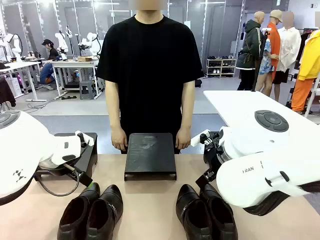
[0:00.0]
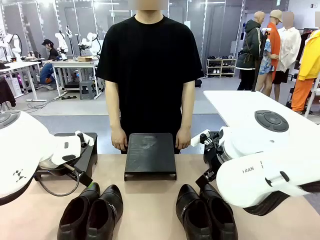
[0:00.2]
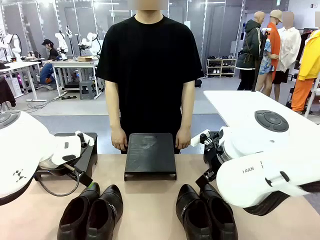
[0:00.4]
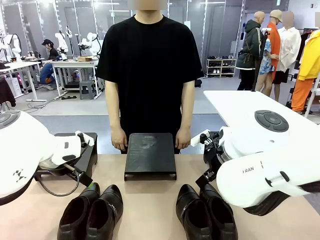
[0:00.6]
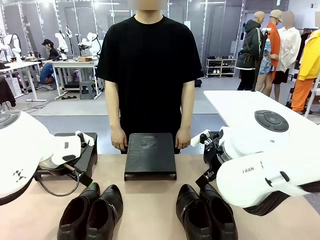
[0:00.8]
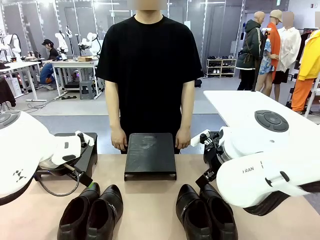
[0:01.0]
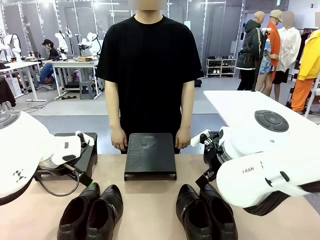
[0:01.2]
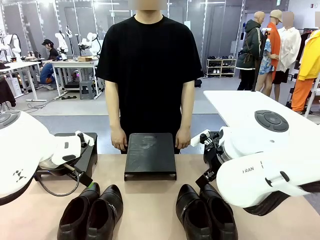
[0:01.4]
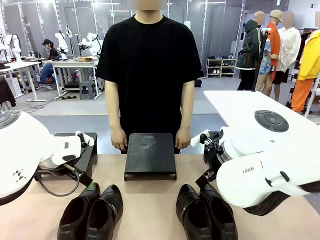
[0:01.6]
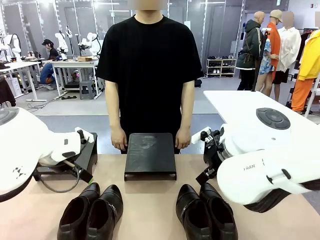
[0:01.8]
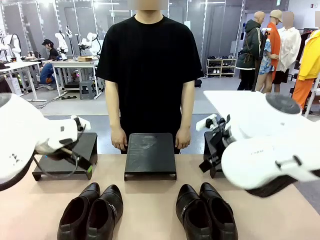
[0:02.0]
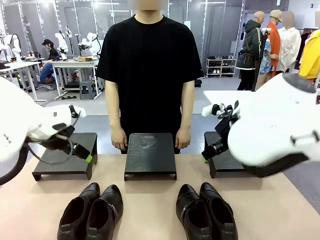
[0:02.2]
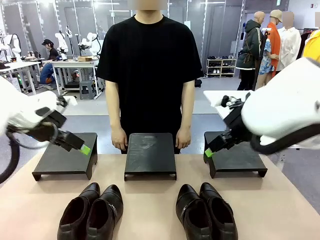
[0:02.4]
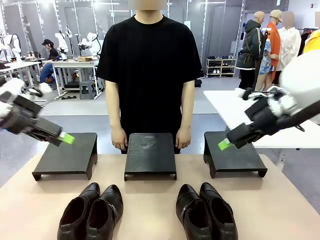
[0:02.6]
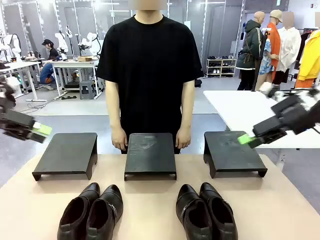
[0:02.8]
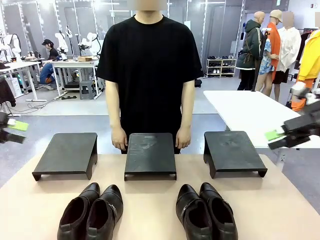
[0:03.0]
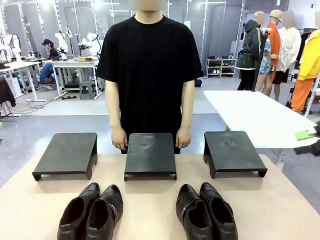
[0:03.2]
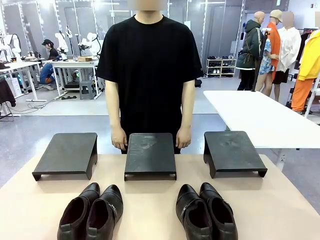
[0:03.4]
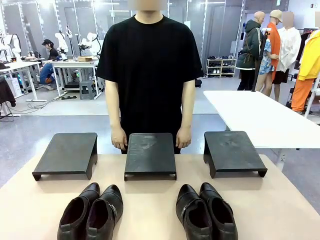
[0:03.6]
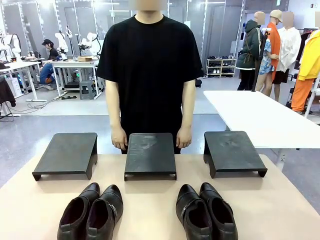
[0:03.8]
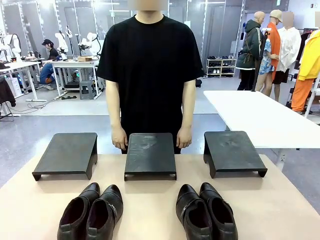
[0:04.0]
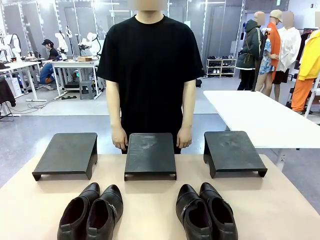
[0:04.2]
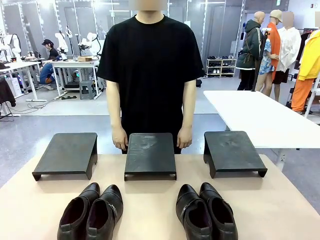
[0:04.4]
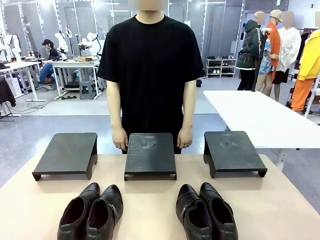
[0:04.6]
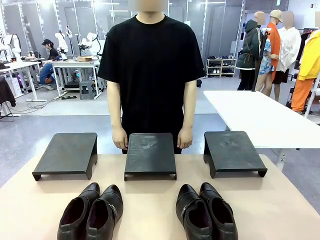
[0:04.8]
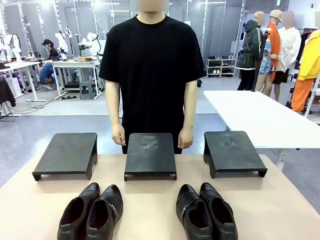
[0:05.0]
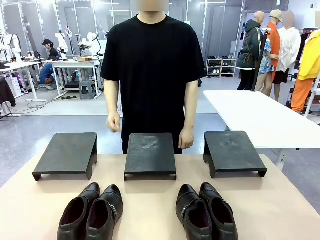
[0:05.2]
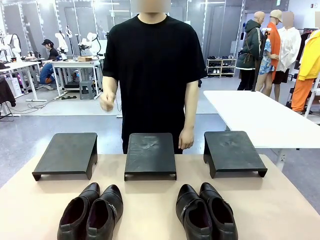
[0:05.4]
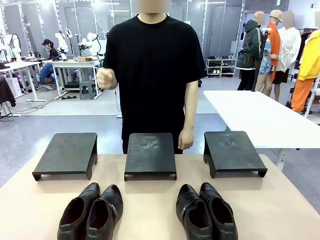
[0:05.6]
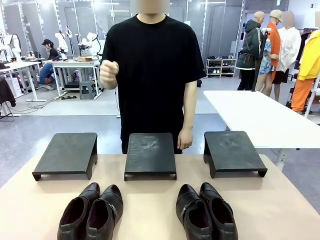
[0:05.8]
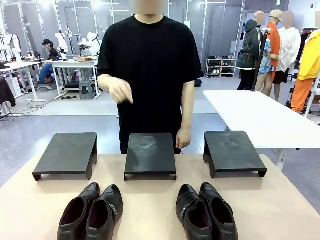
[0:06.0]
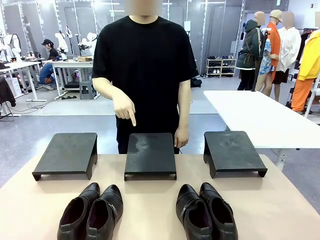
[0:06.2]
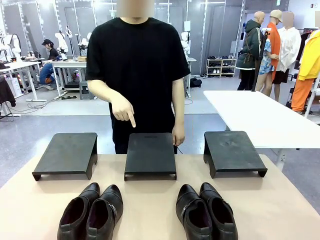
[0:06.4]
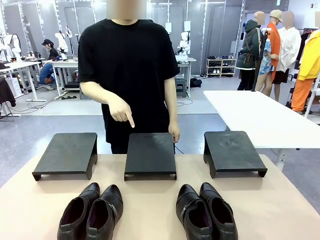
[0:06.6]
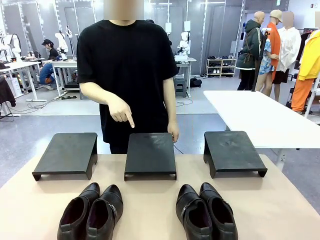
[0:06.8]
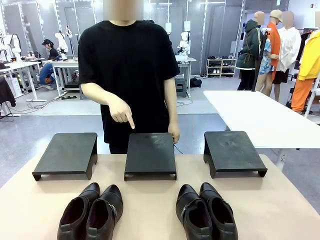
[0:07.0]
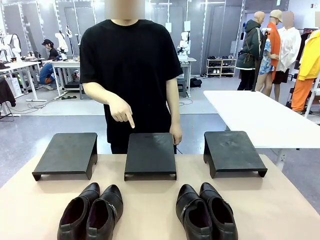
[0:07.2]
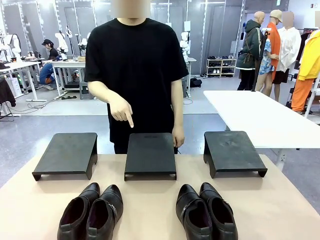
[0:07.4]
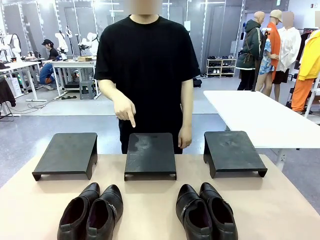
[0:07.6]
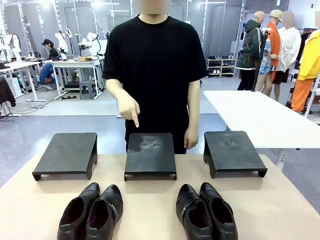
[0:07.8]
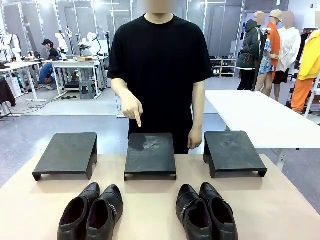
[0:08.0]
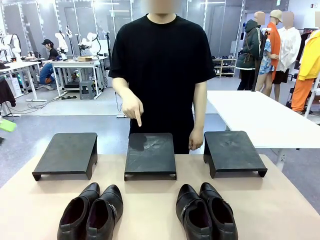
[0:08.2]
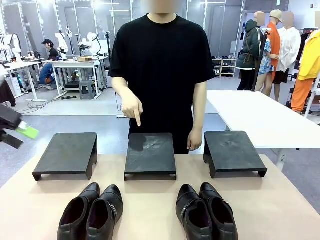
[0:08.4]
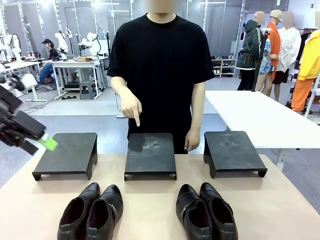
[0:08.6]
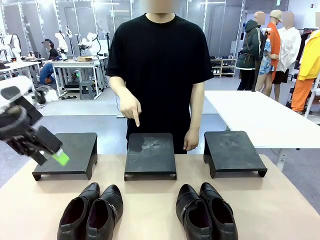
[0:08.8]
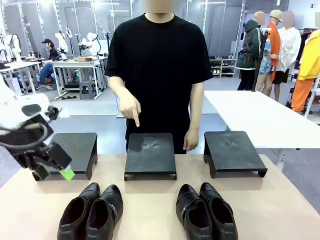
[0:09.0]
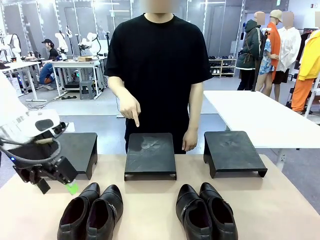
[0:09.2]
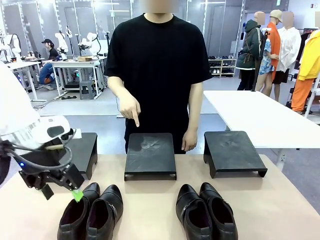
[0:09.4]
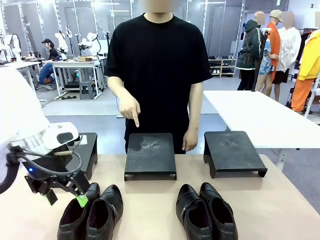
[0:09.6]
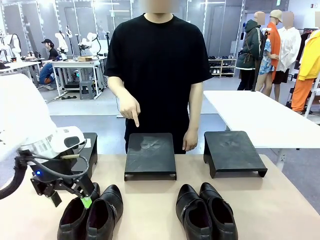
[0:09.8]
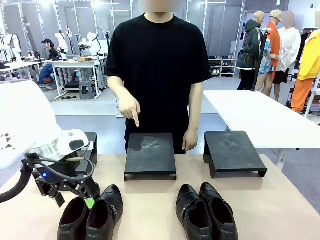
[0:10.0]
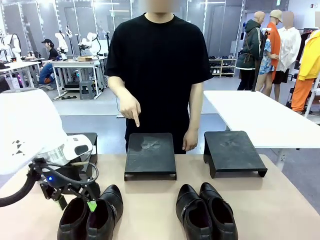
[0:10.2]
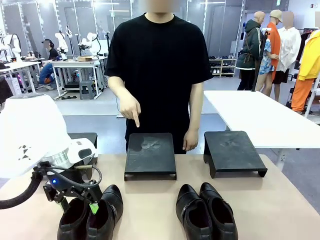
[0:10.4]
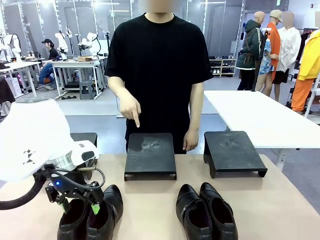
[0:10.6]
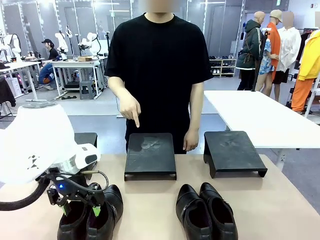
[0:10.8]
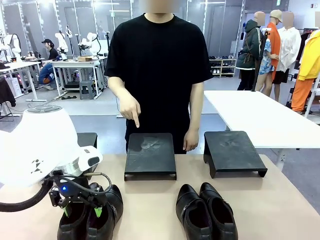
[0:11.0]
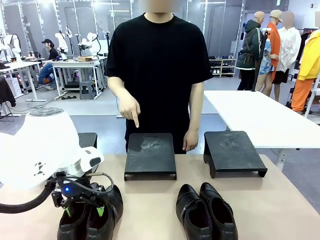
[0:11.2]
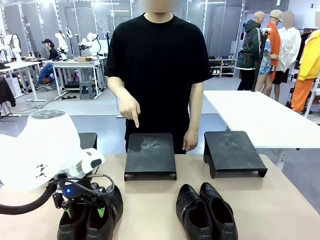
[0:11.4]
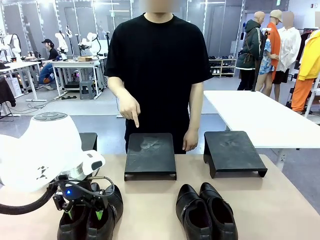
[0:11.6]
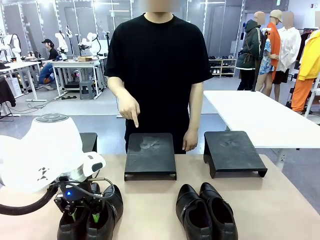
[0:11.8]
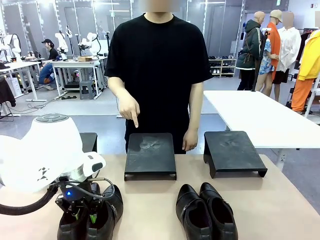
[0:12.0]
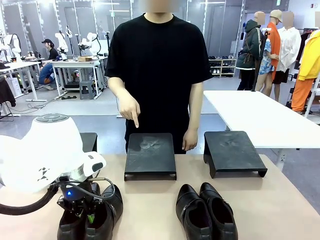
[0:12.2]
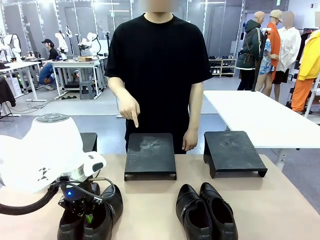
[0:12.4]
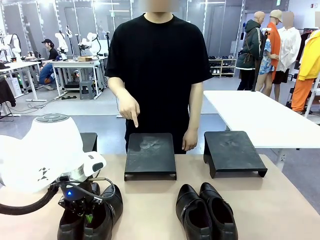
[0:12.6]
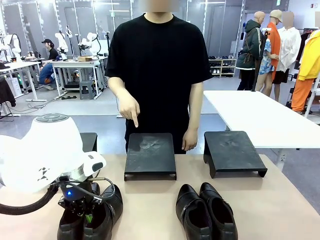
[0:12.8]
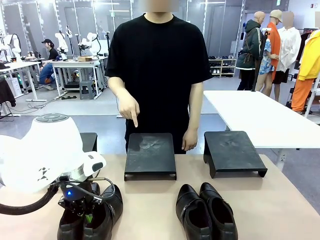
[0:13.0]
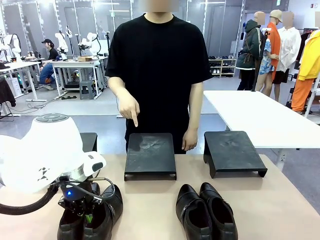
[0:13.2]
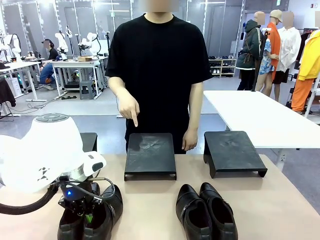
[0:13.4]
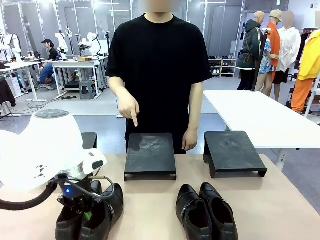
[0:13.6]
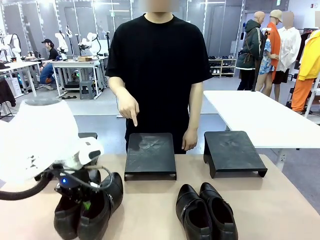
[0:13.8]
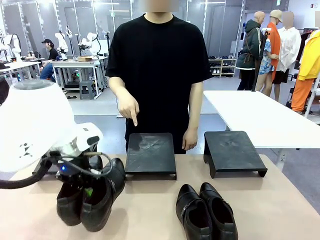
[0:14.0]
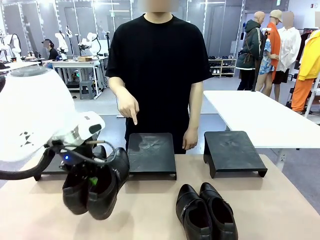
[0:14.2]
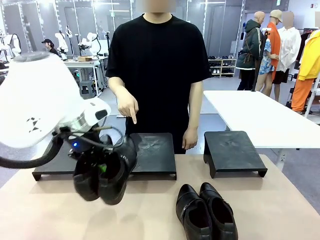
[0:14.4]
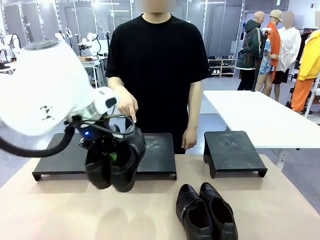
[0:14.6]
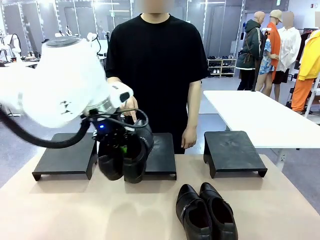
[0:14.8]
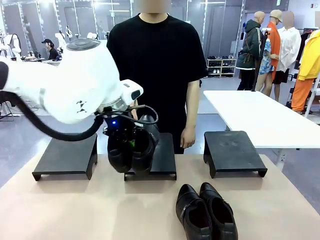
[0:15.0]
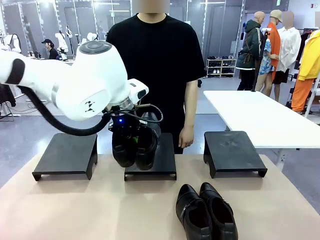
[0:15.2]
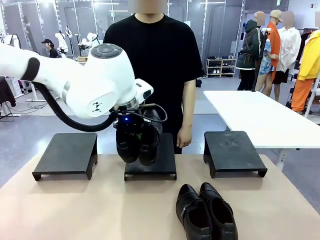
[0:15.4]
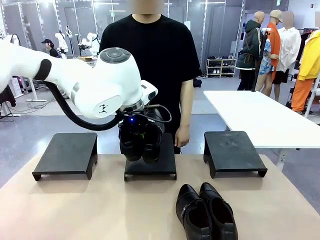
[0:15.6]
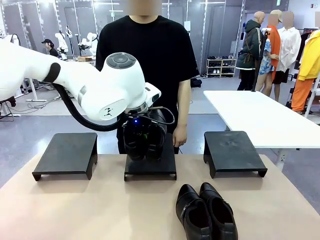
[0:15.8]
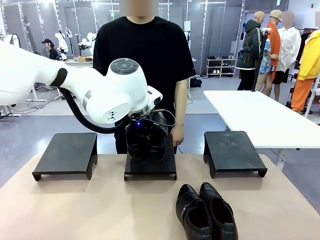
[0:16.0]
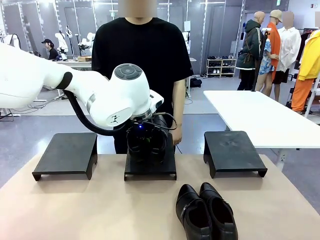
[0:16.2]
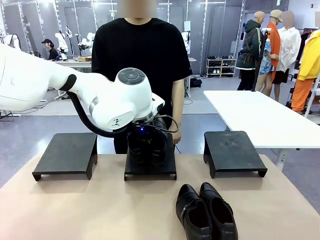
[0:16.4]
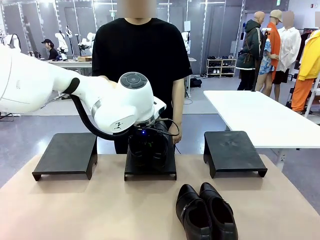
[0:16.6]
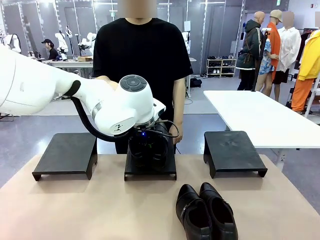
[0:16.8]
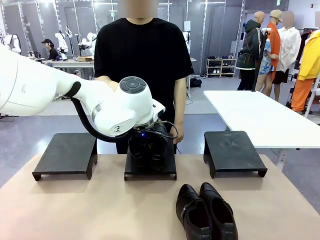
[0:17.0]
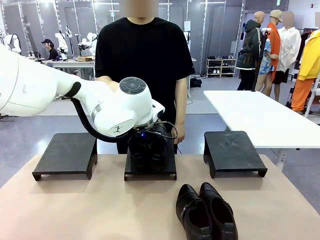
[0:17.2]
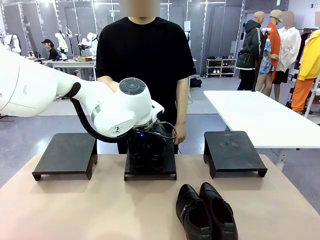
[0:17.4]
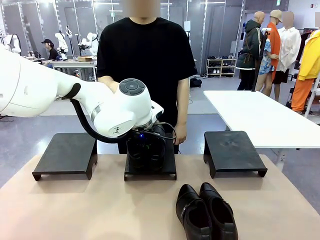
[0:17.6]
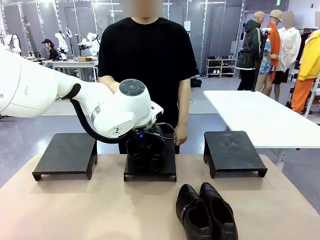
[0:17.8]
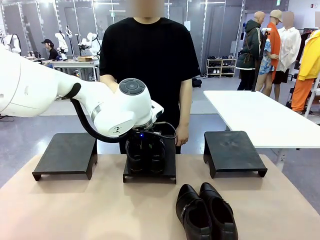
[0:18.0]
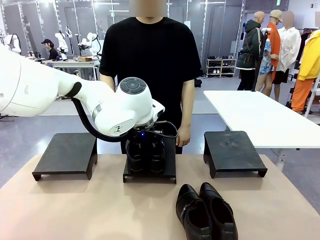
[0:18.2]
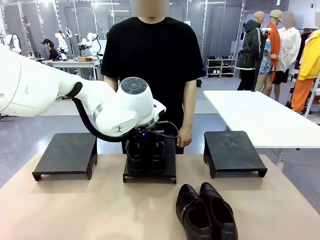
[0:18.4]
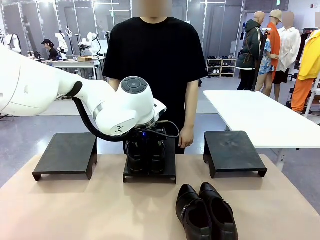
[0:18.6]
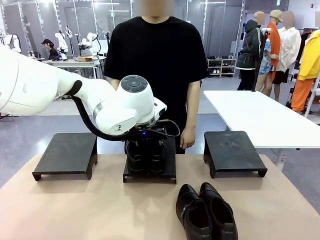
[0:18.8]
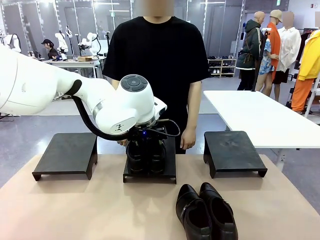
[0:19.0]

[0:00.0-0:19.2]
Task: Place the shoes on the stand as instructed by the person.
Robot: Pick up one pair of Shoes and place it on the Shoes Stand indicated by the person.
